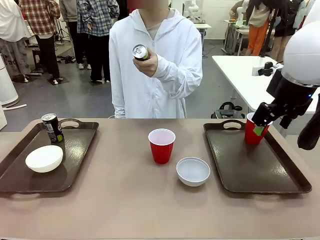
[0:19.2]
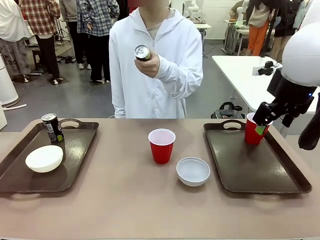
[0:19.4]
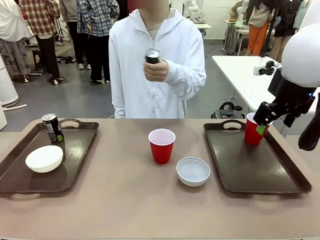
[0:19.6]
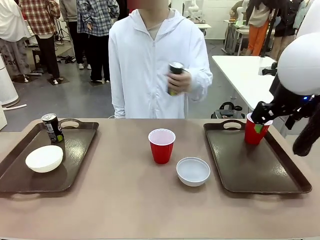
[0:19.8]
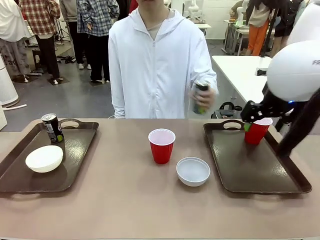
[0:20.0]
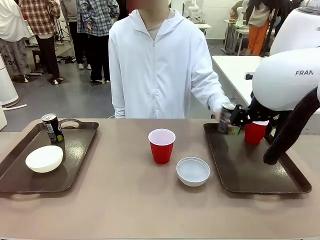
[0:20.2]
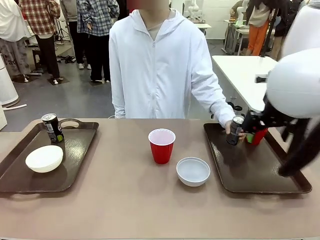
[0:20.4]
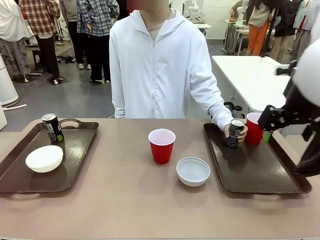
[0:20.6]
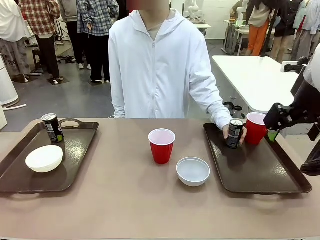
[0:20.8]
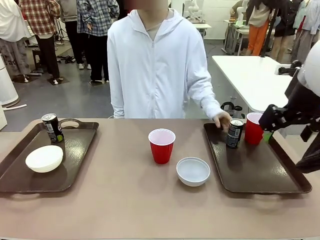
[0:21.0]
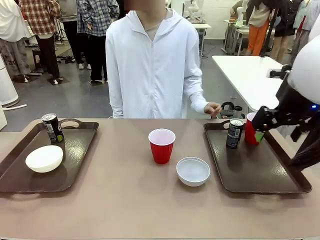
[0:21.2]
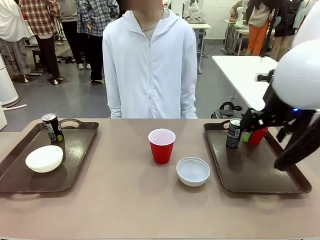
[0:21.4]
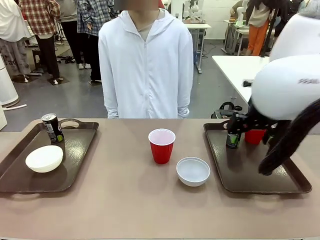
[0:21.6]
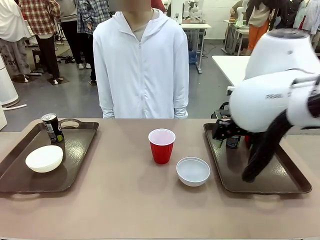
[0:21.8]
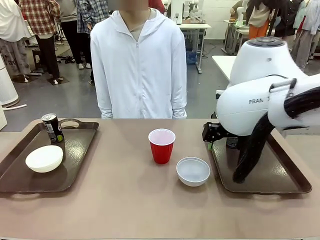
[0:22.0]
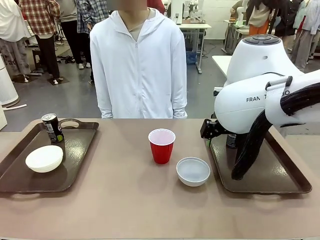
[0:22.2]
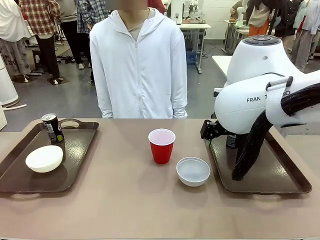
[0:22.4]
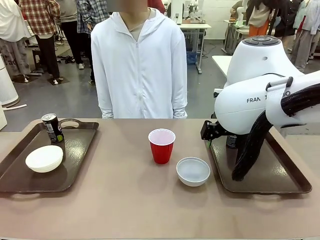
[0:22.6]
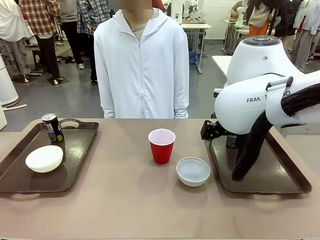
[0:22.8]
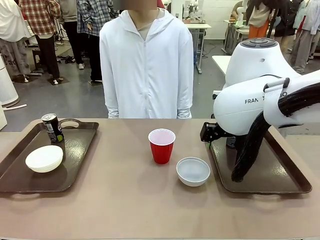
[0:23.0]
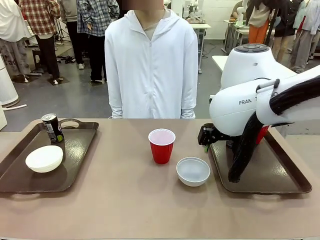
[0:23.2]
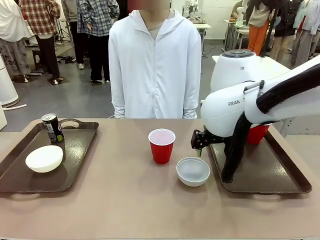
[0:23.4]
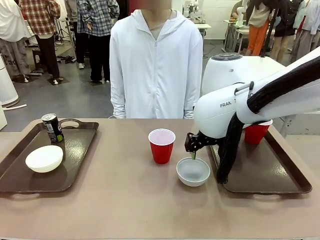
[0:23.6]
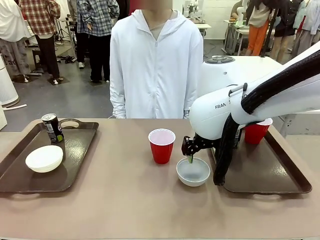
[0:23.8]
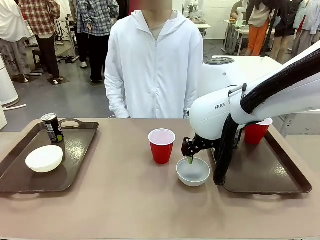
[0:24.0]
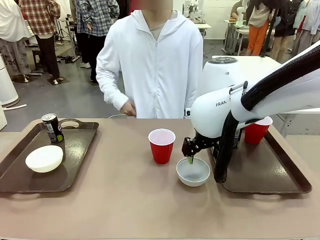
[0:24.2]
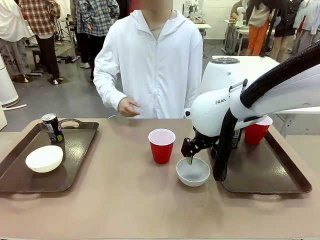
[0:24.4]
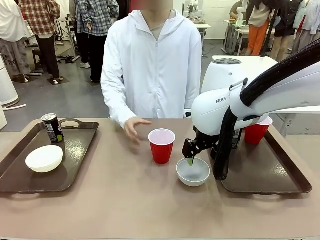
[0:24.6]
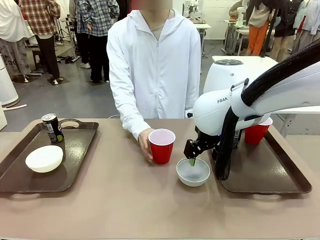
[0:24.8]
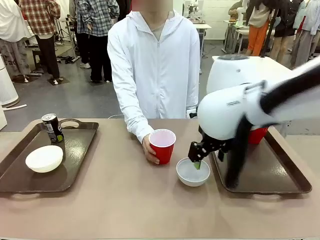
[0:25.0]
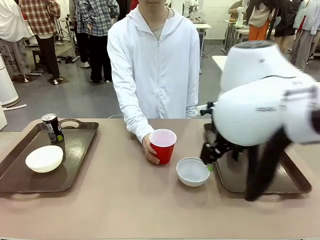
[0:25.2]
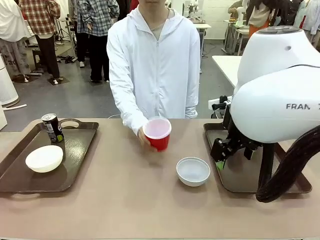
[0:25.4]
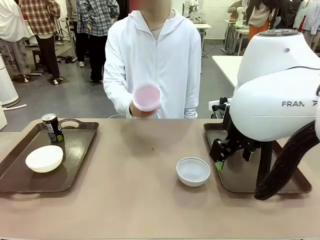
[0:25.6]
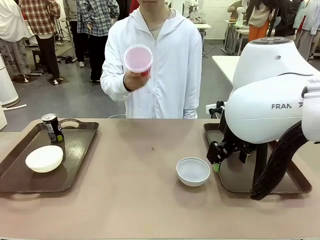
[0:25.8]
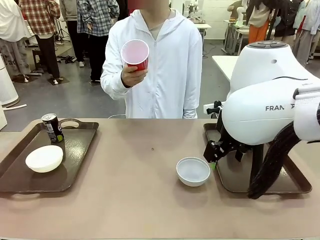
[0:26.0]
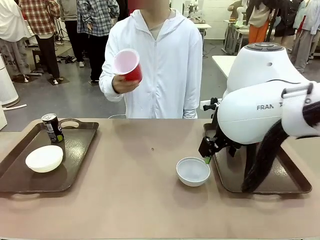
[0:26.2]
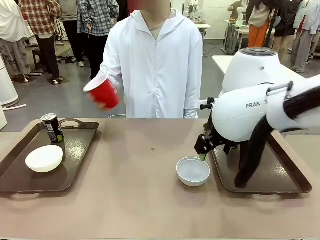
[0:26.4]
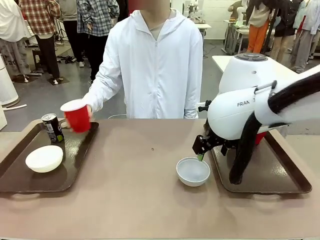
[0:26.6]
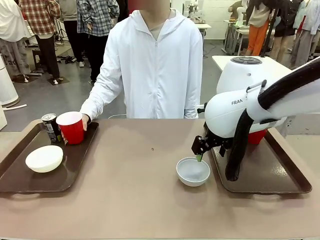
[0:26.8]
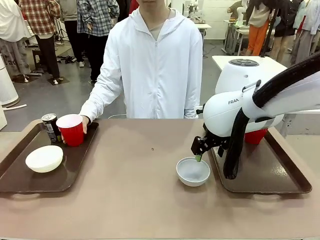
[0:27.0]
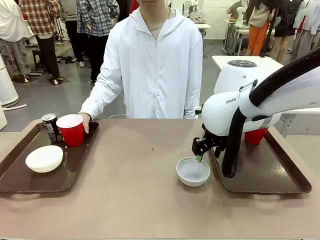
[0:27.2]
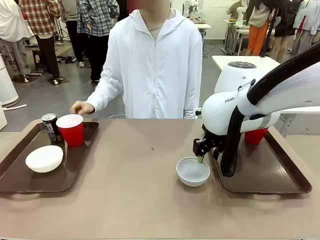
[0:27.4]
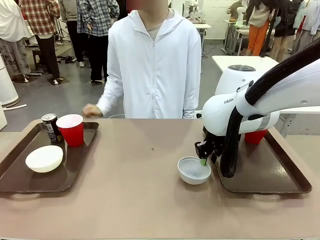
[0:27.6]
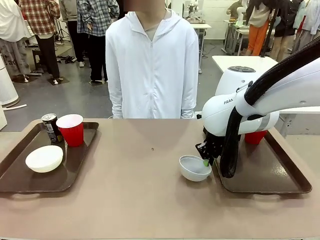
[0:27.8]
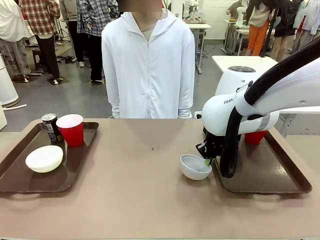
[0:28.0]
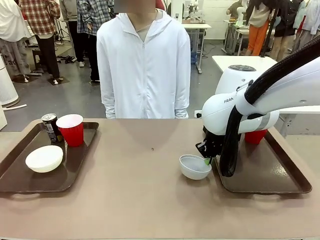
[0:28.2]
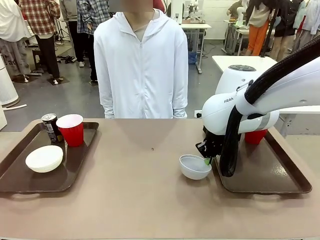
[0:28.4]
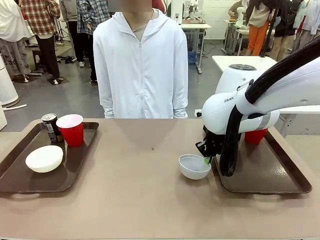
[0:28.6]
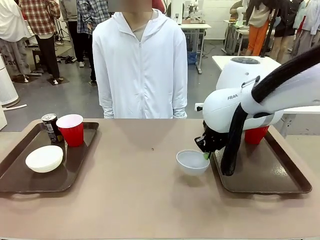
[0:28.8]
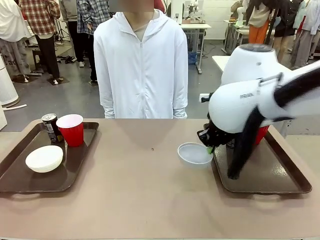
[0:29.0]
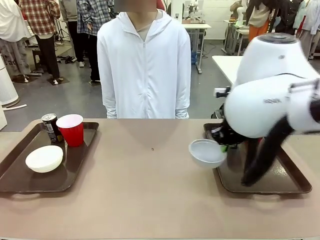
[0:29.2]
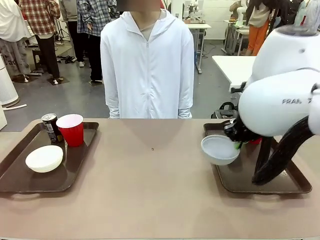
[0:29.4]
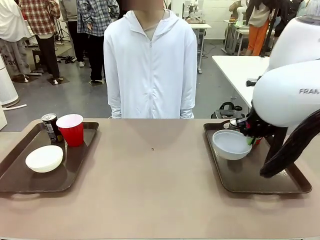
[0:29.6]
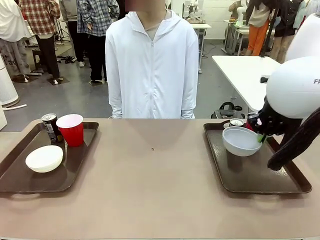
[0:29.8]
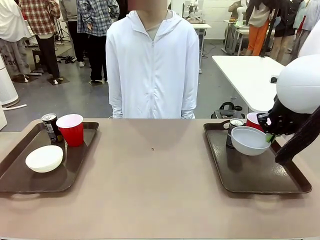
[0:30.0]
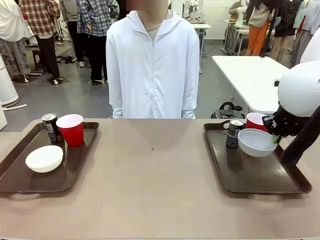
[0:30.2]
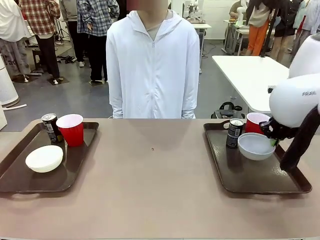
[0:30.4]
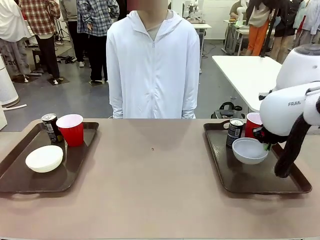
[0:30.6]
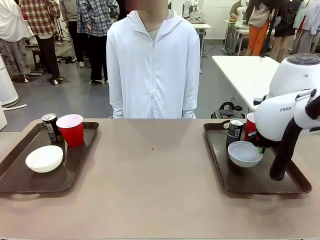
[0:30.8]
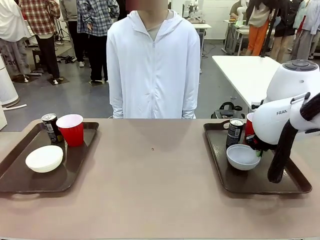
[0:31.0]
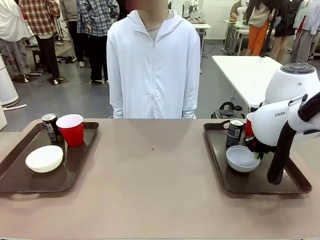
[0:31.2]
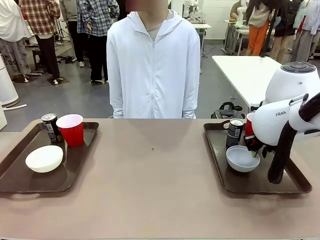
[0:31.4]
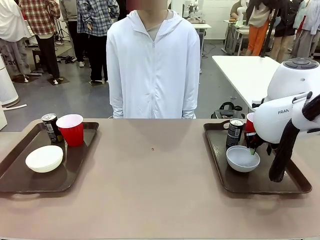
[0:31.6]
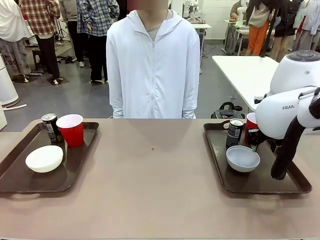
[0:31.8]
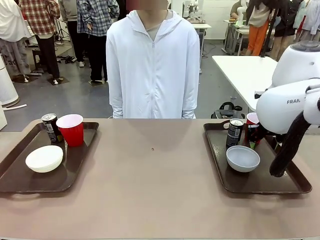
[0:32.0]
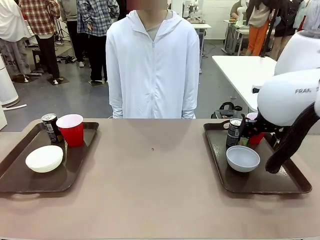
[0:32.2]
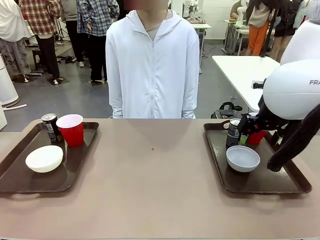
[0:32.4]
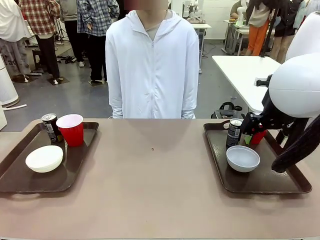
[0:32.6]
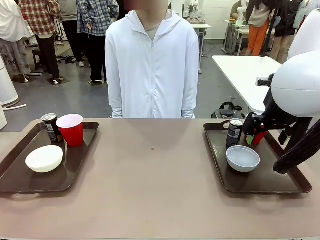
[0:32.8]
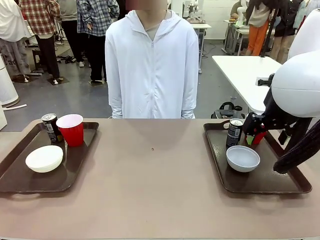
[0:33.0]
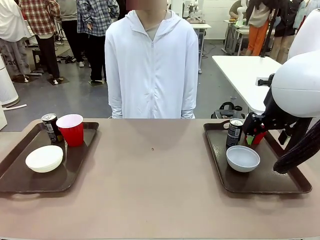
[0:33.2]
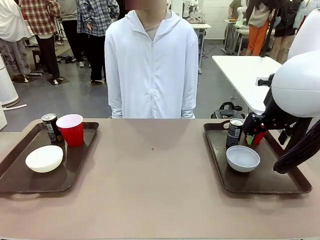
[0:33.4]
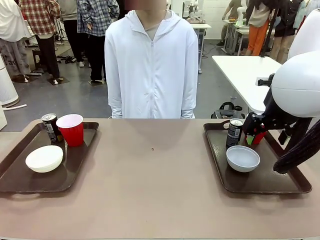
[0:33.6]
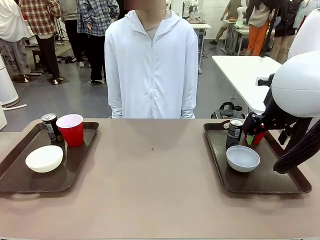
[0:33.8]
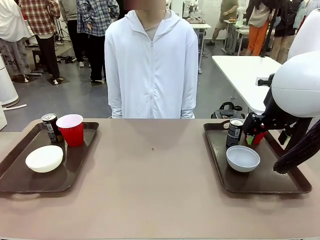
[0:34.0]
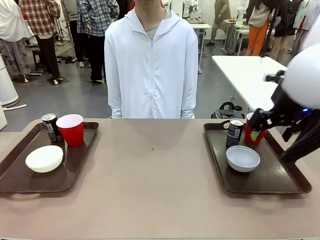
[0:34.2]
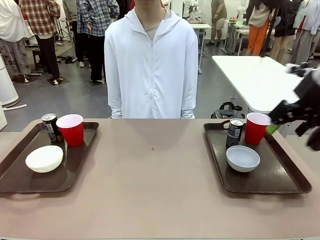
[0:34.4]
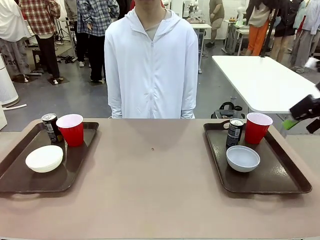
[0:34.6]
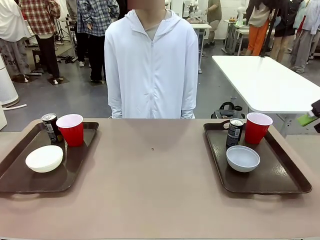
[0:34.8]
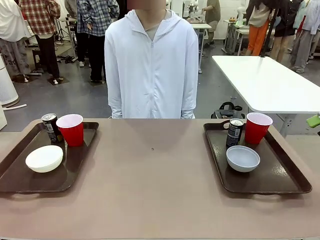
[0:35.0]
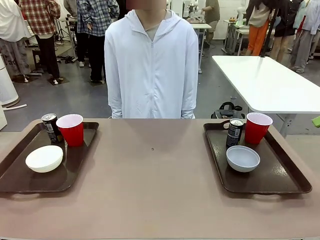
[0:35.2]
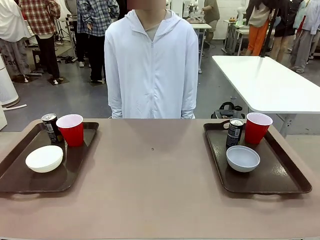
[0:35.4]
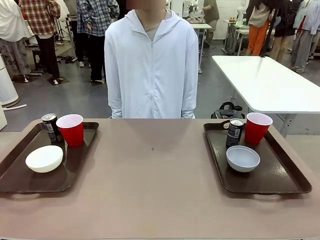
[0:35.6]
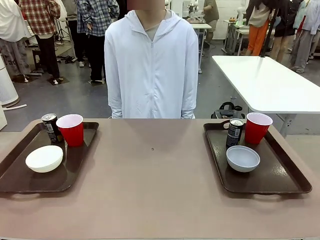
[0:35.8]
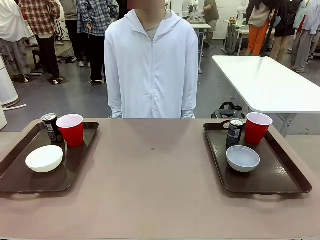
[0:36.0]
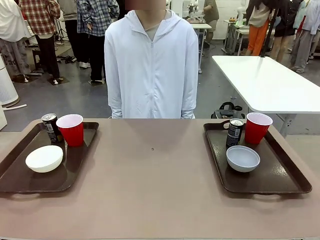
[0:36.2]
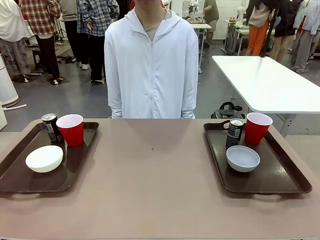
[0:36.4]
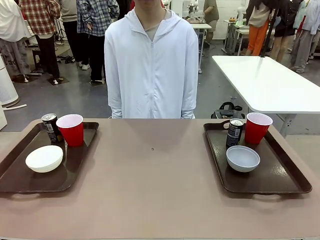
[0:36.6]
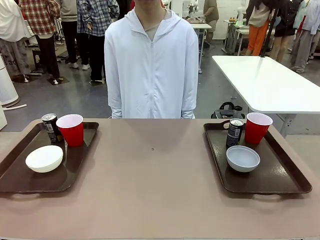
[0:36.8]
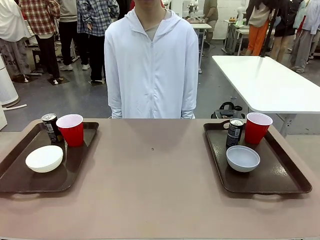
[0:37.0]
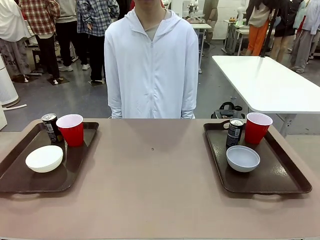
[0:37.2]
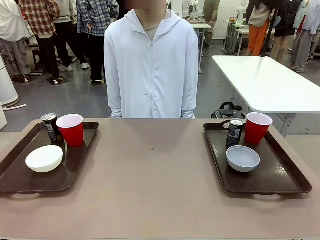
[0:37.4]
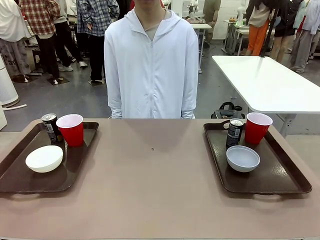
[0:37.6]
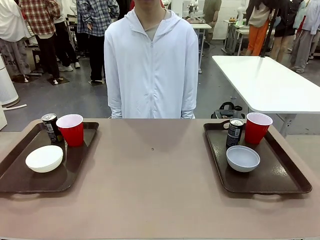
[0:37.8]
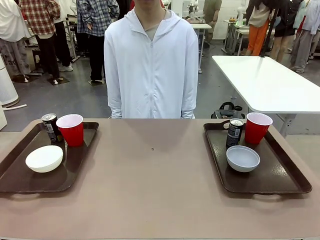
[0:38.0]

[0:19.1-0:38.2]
Task: Prepare tableware on both trays.
Robot: Pick up a Picnic Bowl from the table and place it on a Handle tray.
Person: Pick up a can or cup and place it on the tray without a can or cup.
